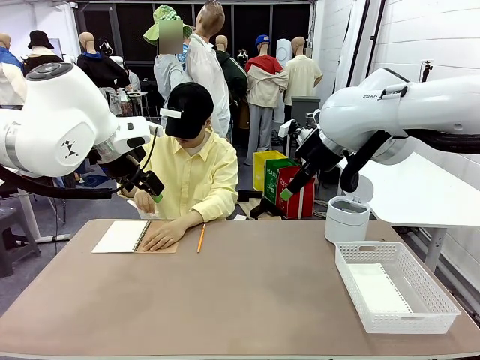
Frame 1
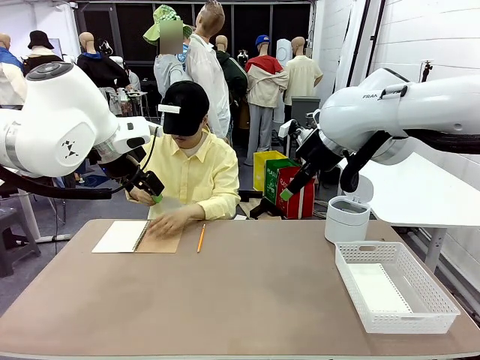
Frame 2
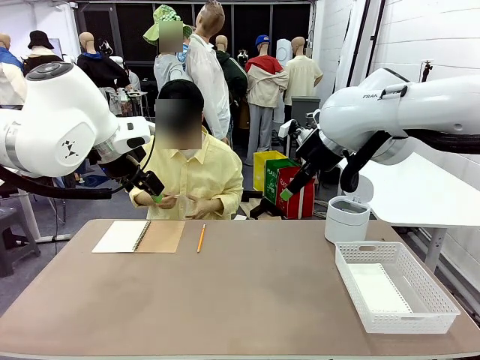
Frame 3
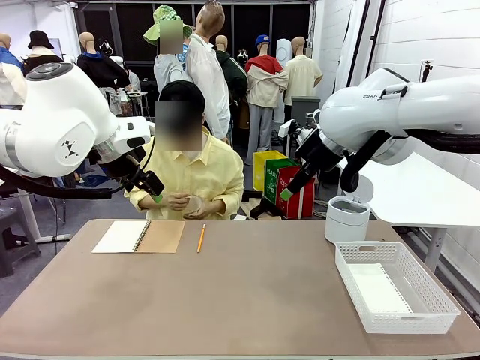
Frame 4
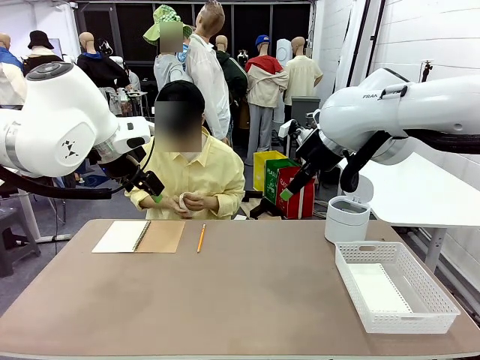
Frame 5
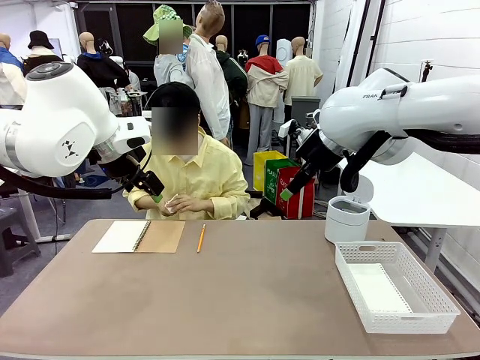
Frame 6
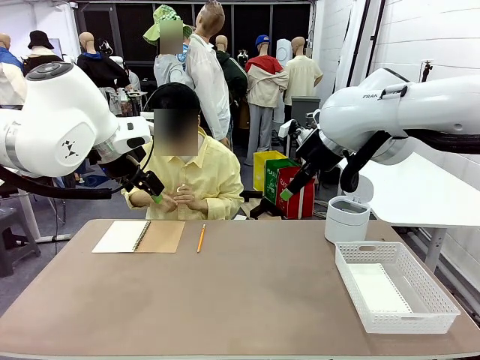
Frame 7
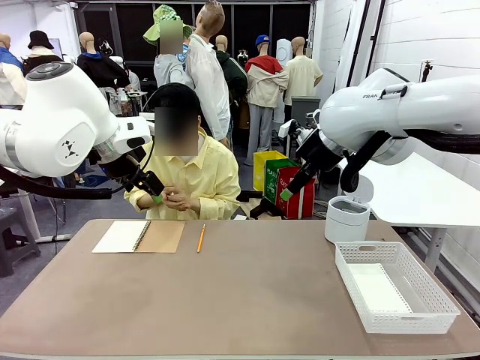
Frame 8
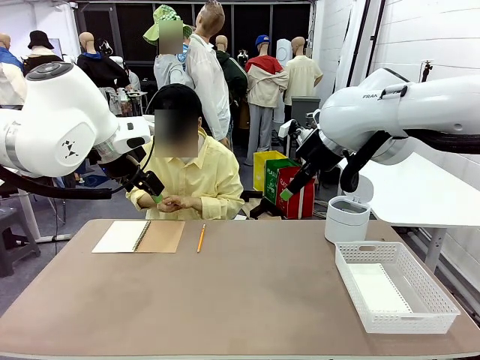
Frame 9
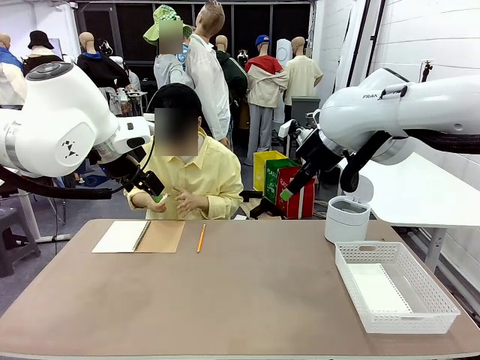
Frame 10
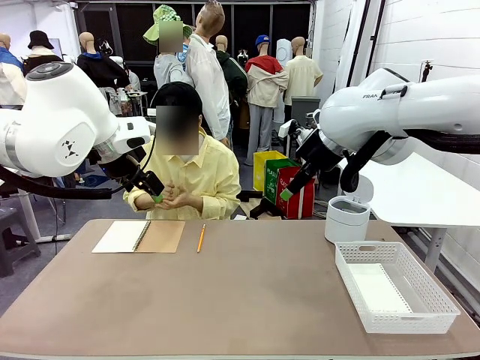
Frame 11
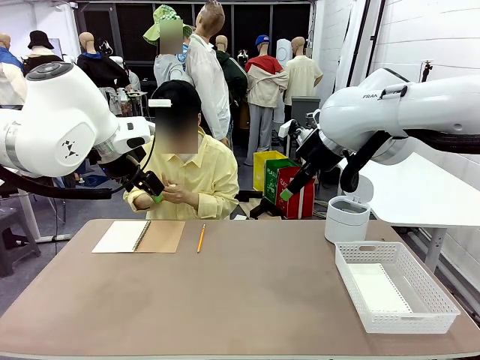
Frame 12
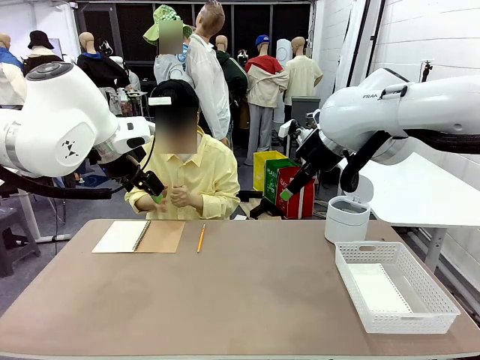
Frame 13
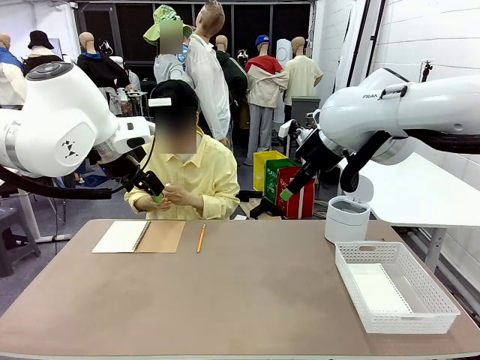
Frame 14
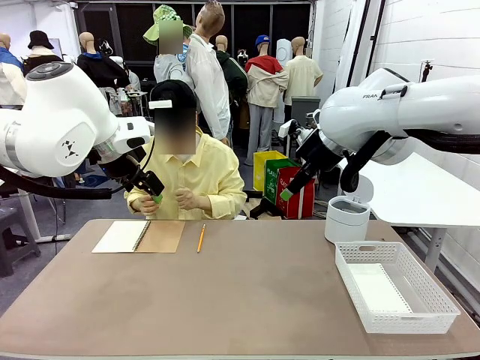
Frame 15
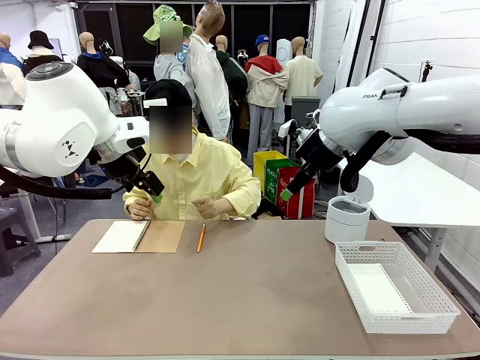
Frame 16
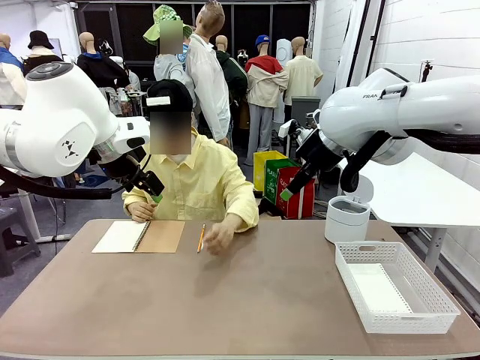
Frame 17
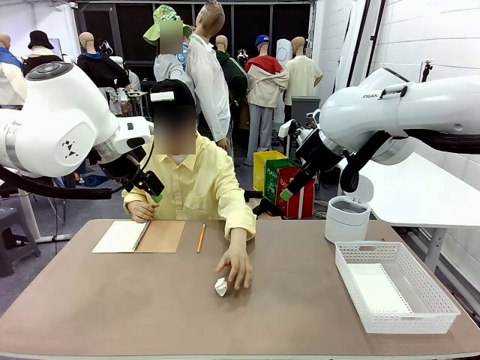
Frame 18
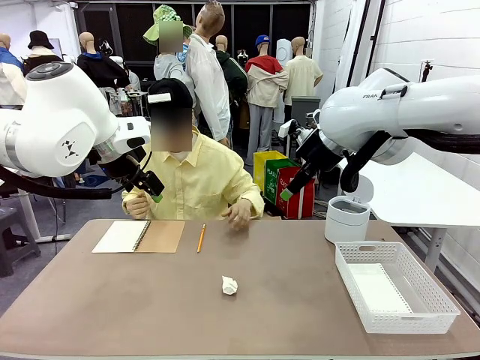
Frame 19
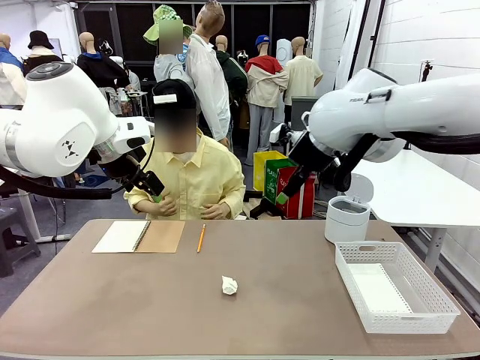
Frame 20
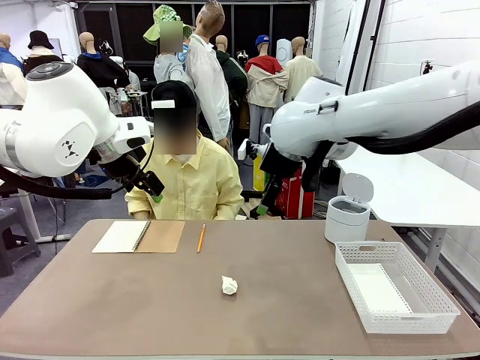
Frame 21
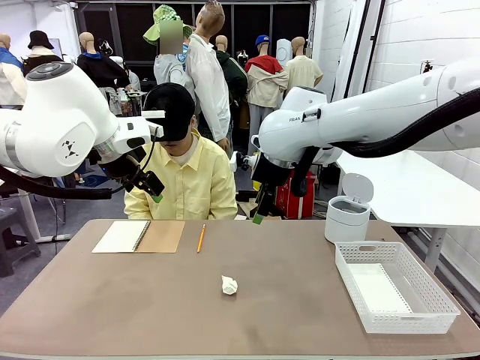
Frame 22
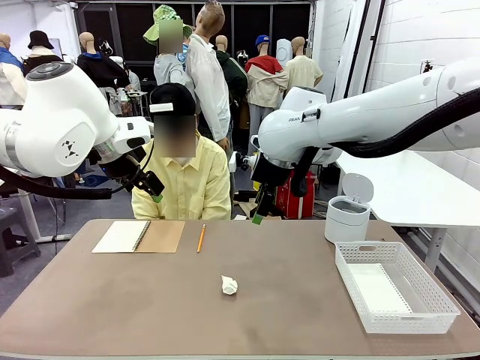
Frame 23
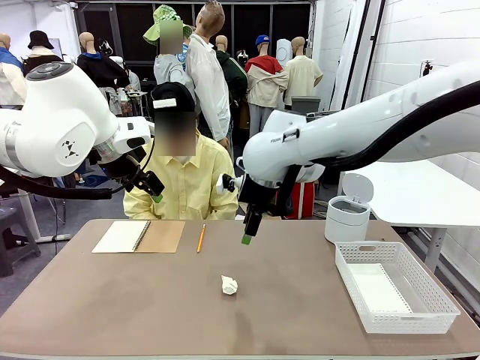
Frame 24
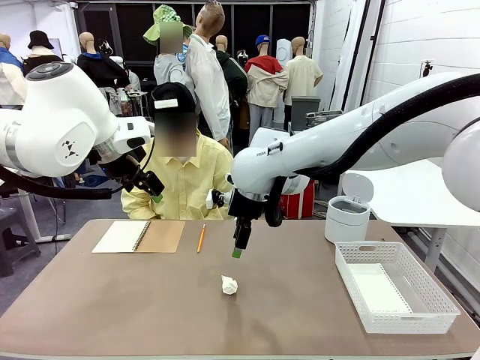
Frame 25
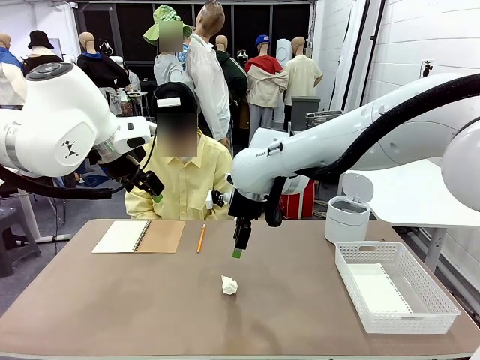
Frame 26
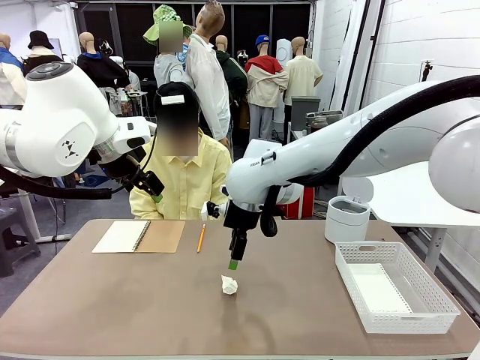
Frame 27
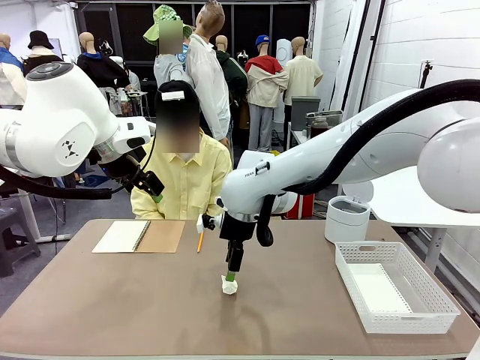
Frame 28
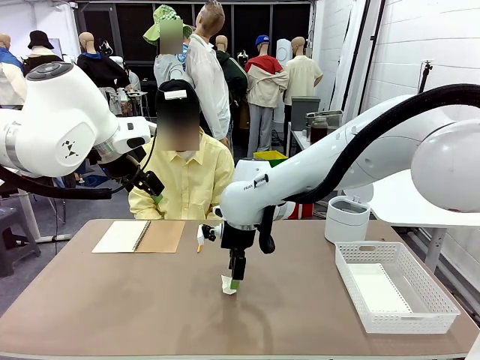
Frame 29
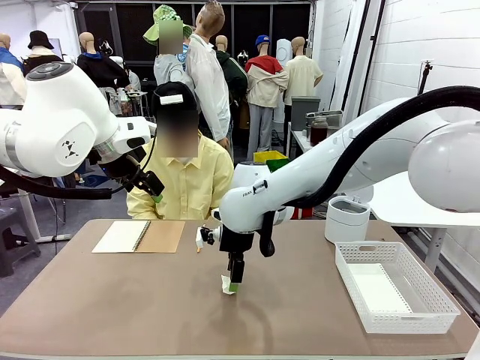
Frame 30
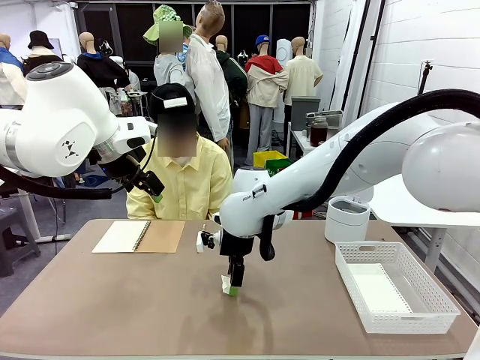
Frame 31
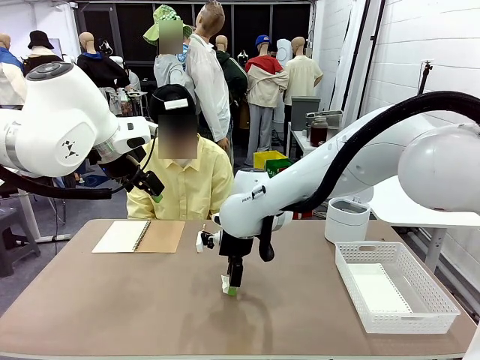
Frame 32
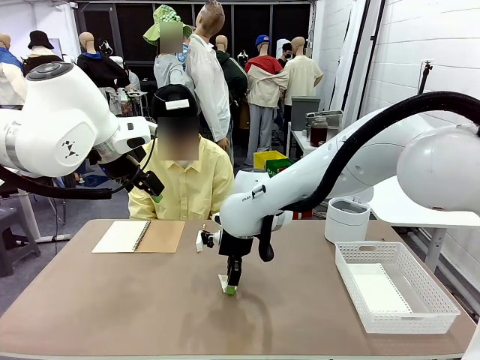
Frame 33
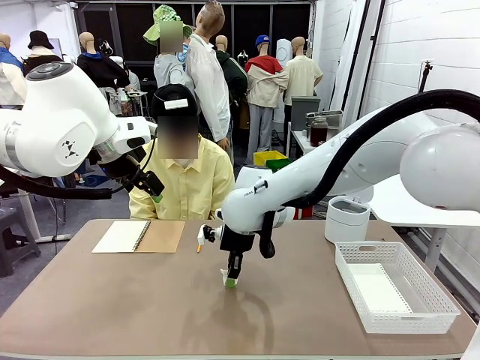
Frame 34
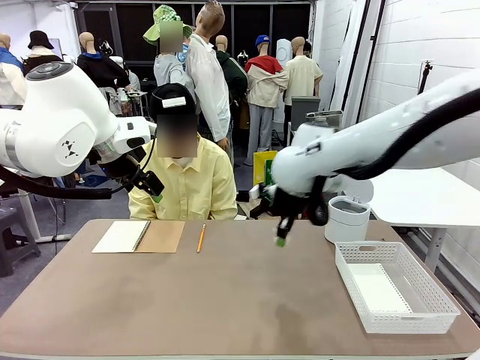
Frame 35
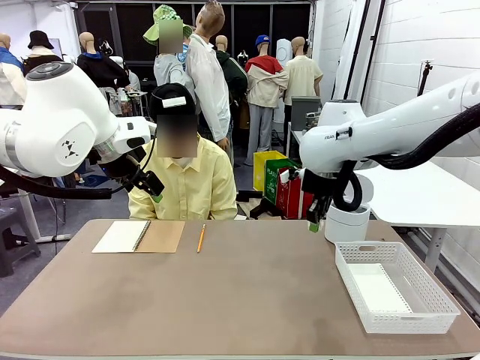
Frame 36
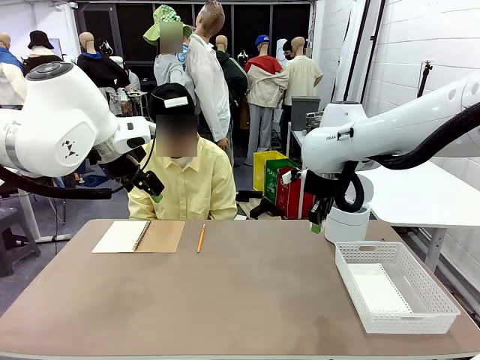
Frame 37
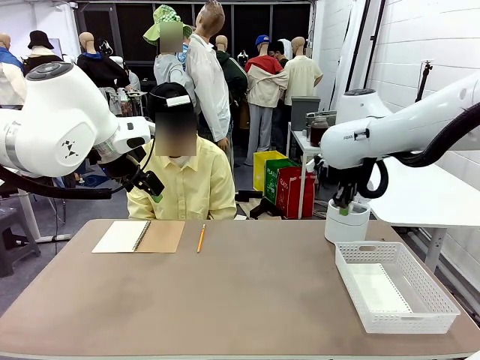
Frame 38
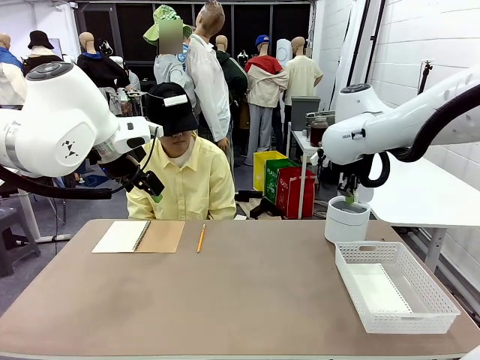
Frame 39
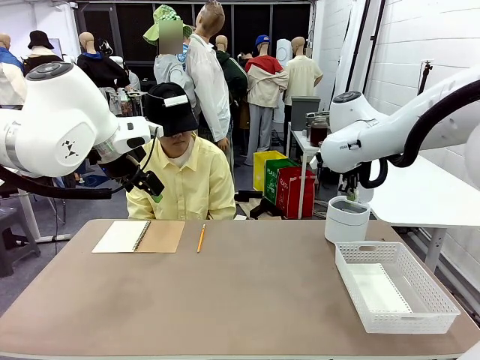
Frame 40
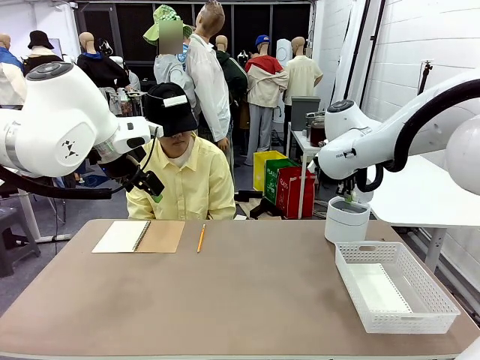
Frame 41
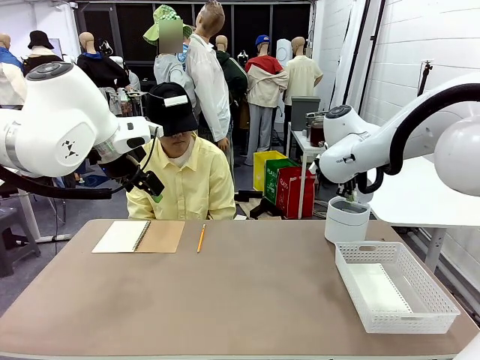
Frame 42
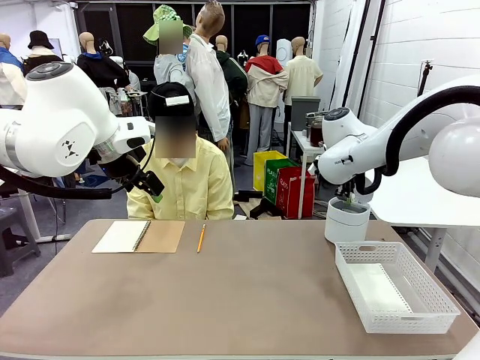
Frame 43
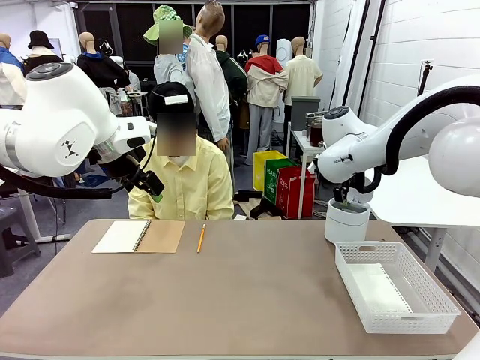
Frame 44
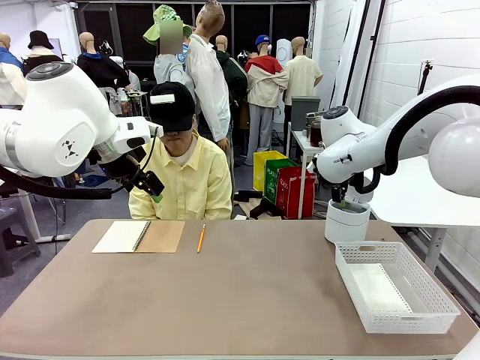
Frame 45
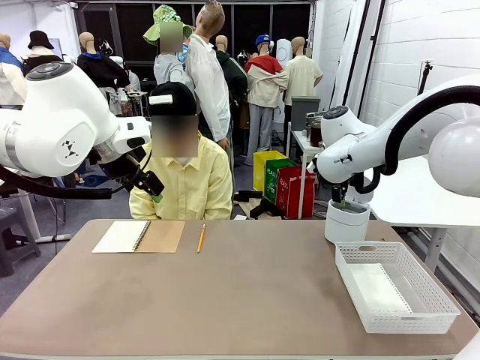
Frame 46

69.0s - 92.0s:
Task: Sort the paper based on its condition.
Robot: If a person hands you a paper, place it in the Organizing basket , and if it's crumpled, put it in the Trash can.
Person: Hand the torn page to the robot or crumple it and throw it to the center of the table.

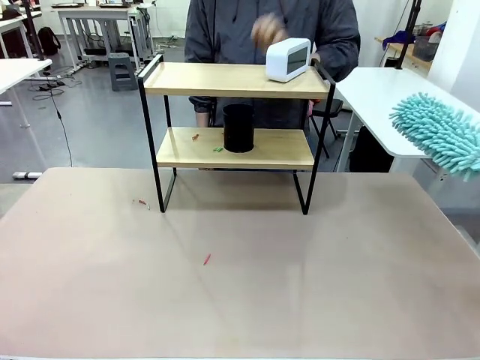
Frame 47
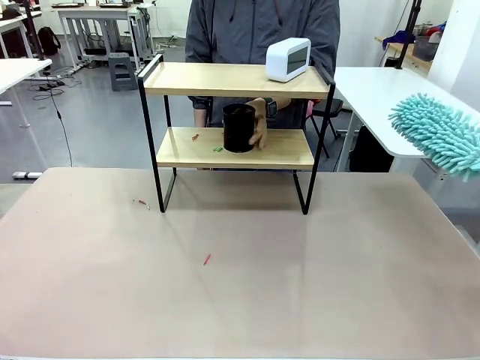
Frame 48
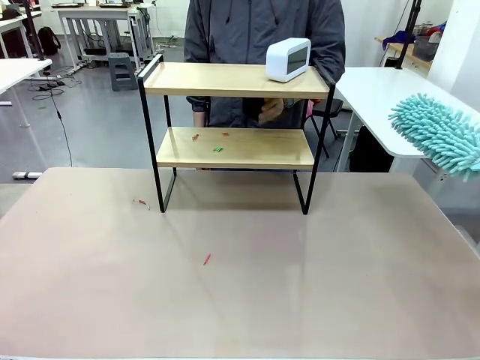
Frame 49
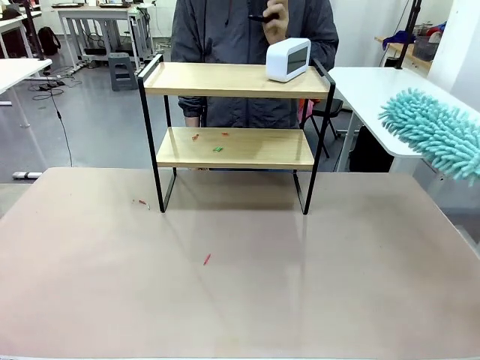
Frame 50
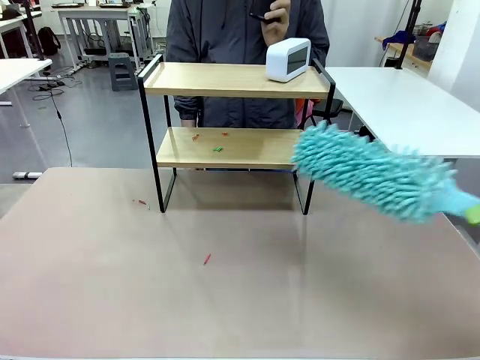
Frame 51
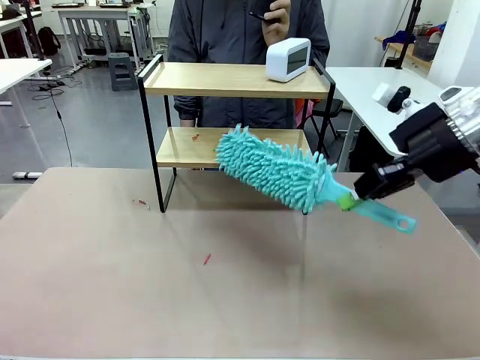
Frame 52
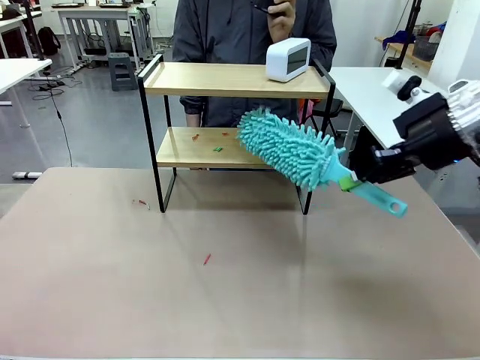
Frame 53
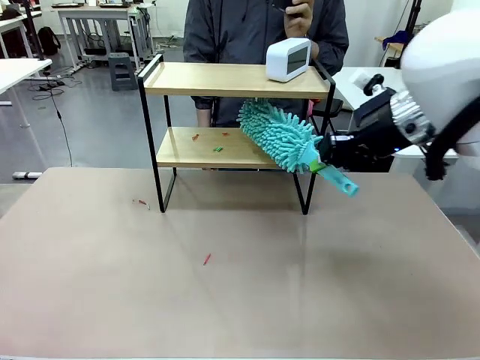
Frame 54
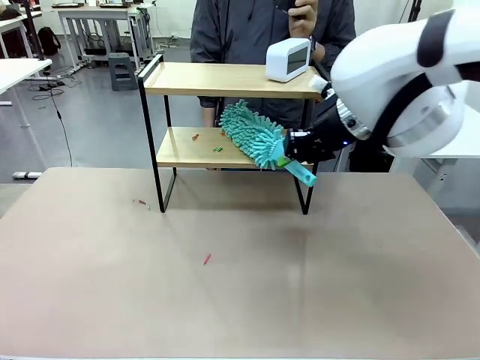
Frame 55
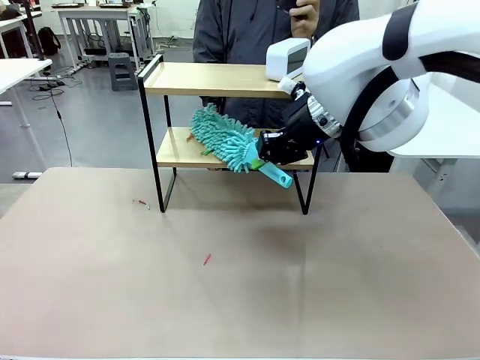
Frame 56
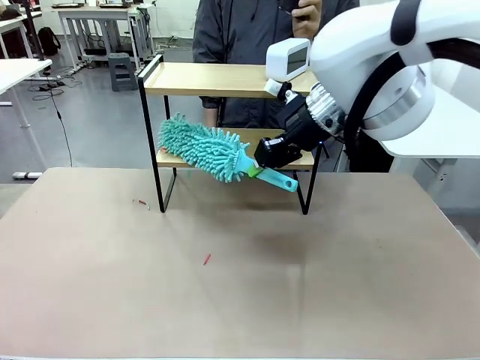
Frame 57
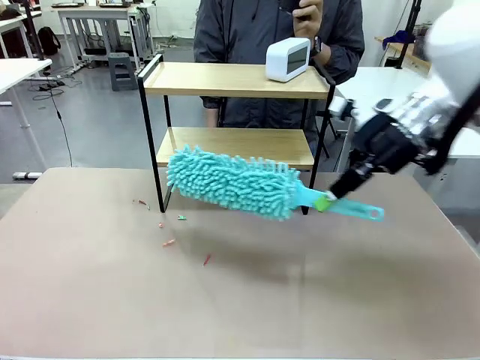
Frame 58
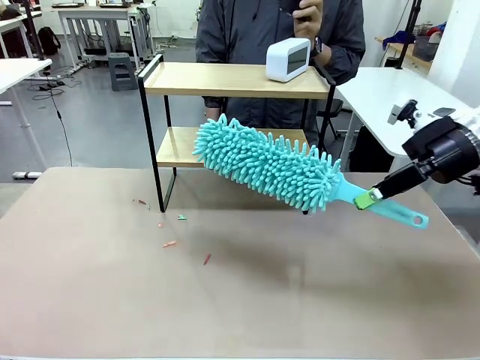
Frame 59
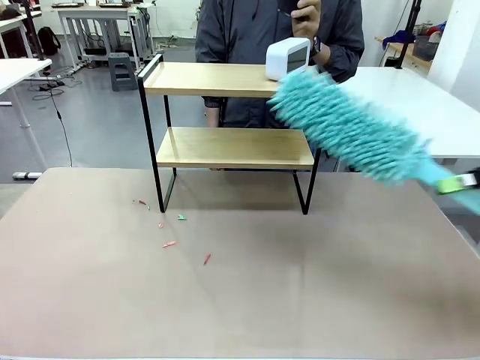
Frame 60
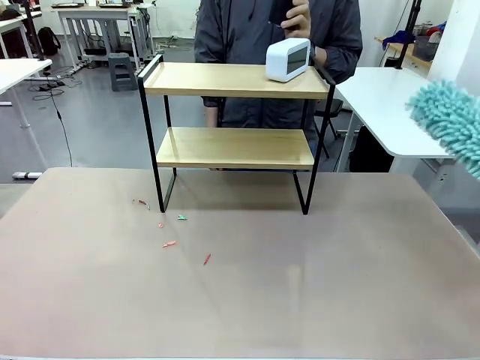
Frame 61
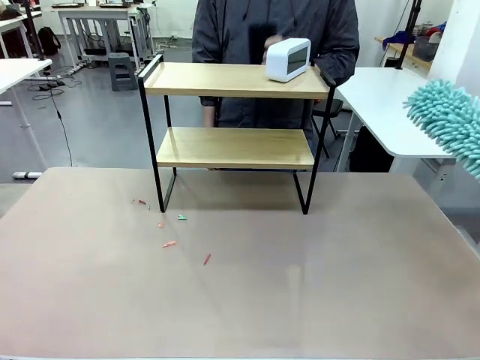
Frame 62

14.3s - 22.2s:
Task: Clean the shelf.
Robot: Clean the remaining tier of the Shelf with the Duster once objects are removed.
